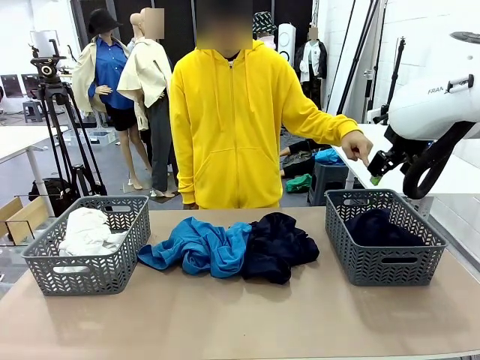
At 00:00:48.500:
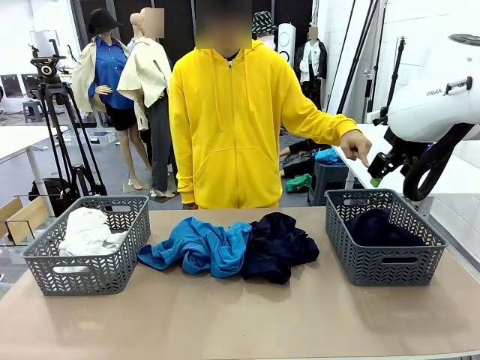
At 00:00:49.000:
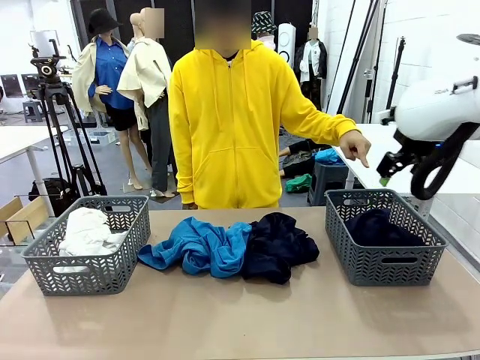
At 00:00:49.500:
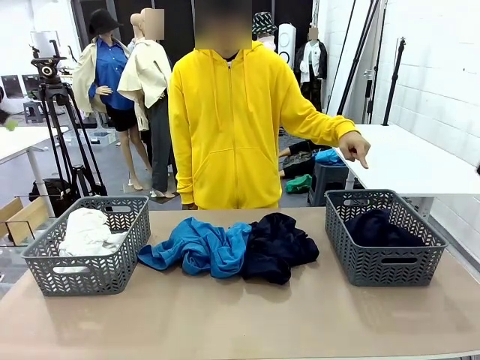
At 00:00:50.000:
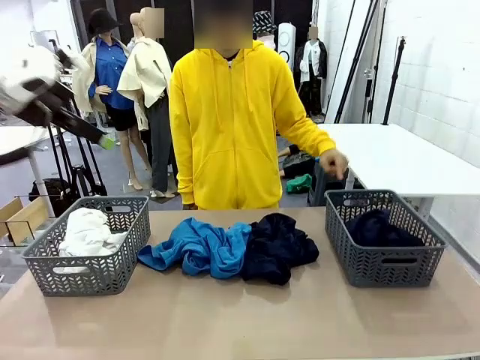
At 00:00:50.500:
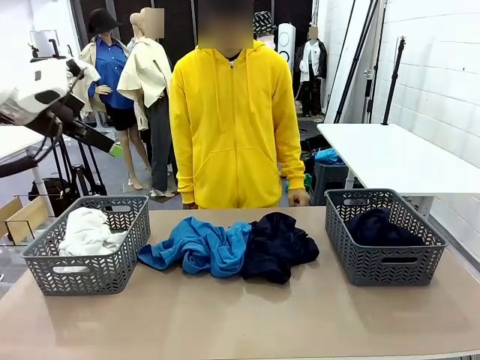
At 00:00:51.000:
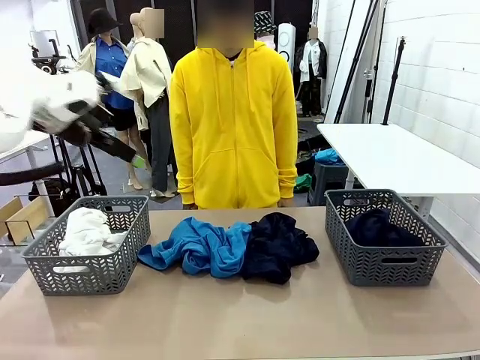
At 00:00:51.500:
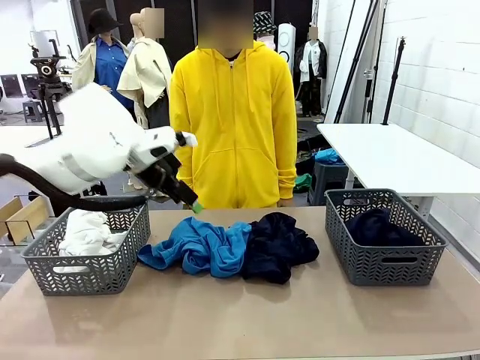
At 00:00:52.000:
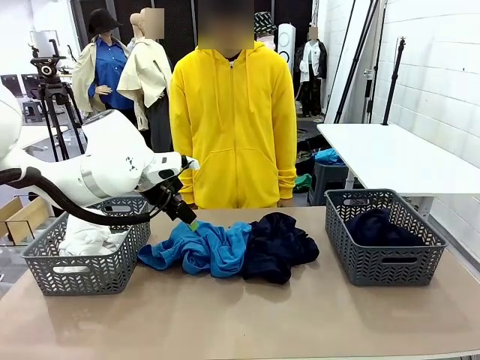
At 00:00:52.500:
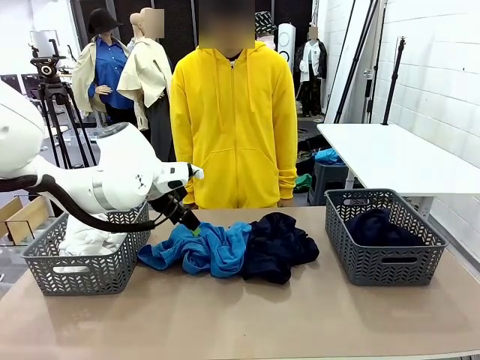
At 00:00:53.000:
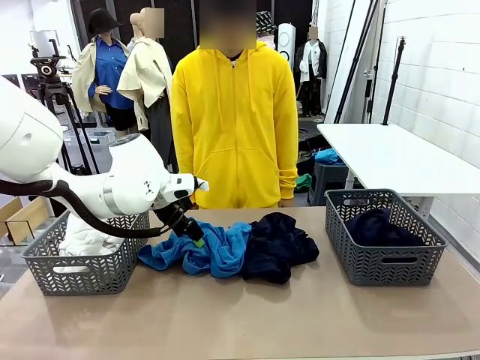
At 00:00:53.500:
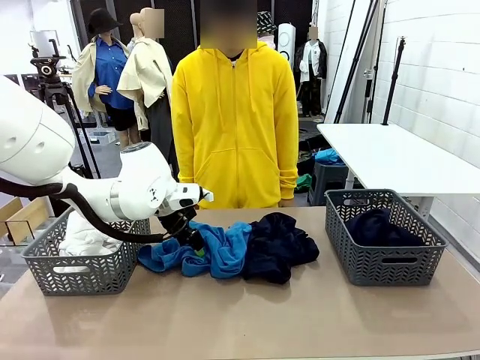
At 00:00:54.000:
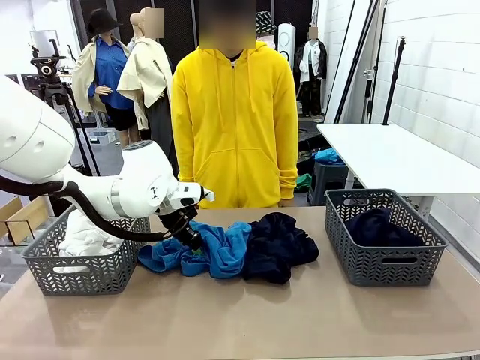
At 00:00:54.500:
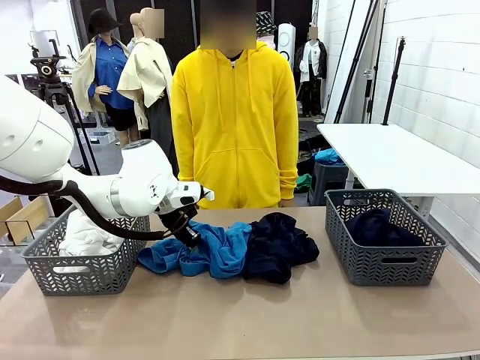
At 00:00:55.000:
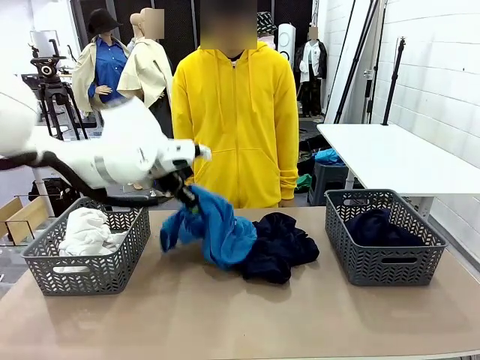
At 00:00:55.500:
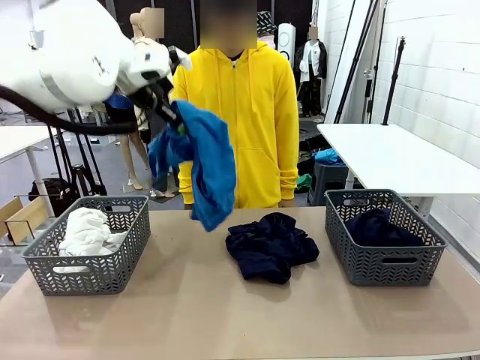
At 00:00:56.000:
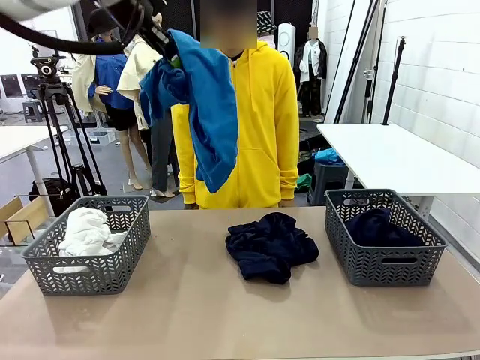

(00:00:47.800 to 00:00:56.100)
Task: Sort the tops and bottoms.
Robot: Lift clothes from the center of the table with your left hand.

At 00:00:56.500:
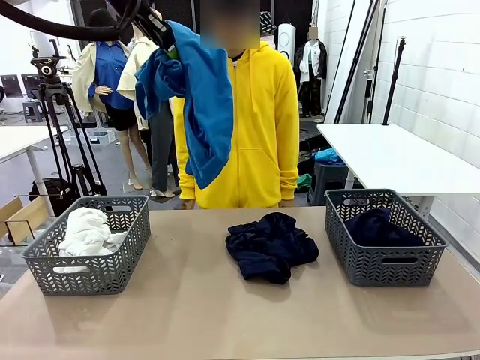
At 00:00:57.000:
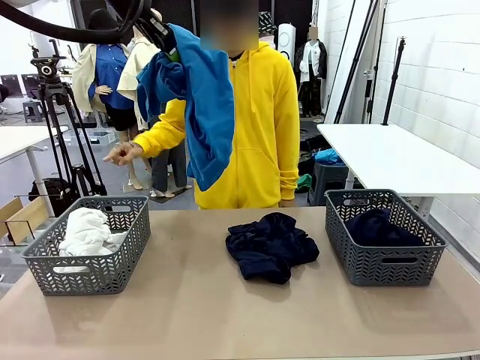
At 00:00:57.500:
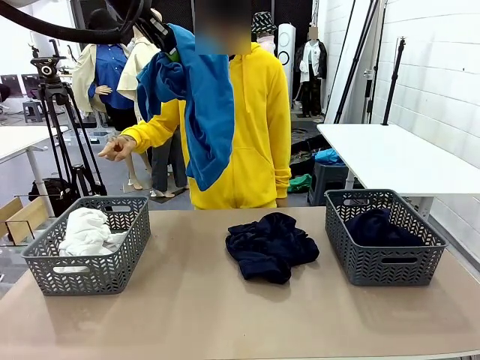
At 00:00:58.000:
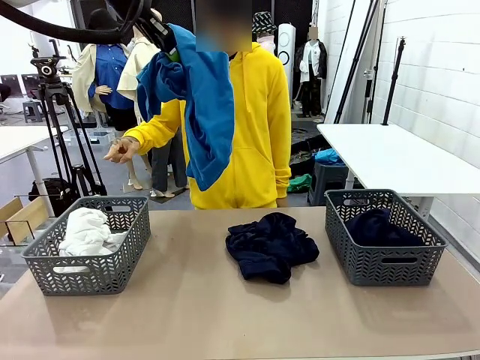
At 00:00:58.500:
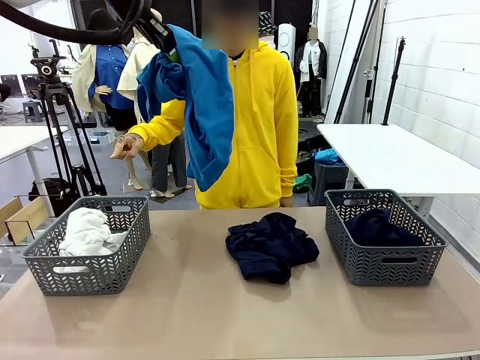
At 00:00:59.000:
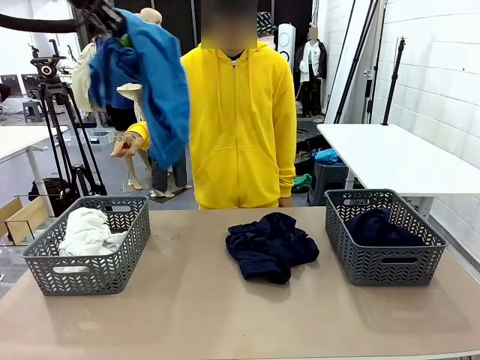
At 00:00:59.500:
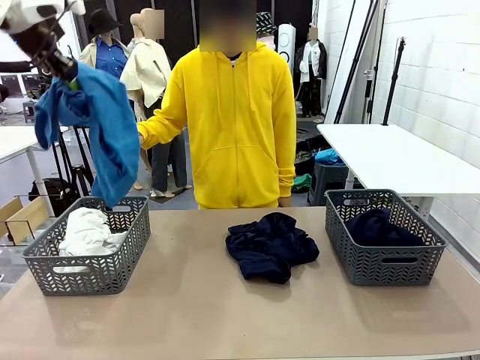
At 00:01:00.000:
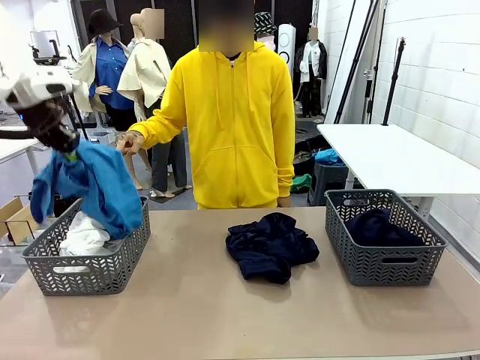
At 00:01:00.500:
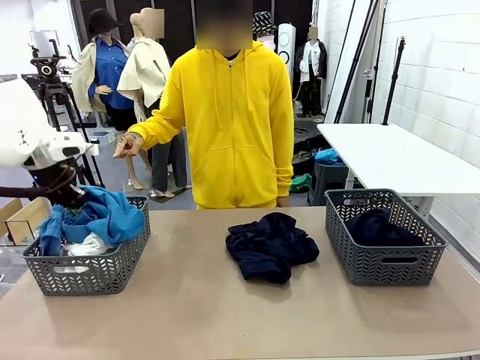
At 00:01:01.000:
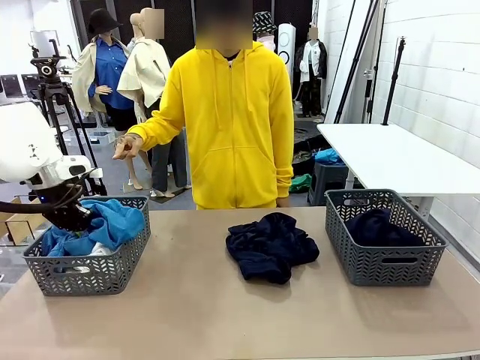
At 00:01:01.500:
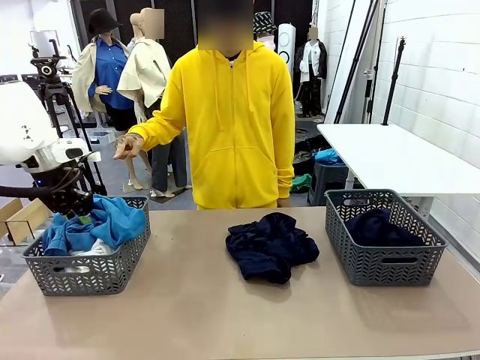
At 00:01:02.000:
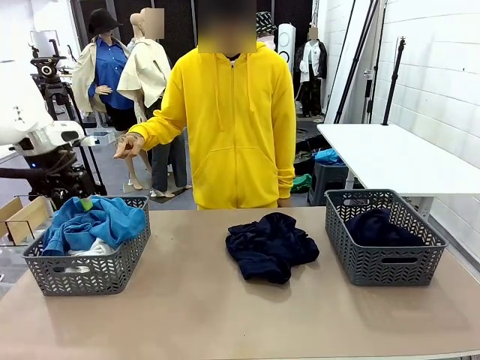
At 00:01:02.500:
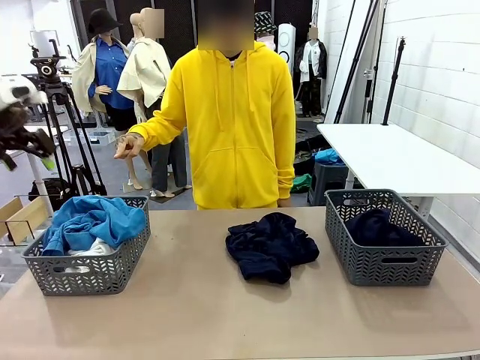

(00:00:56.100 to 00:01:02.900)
Robot: Sort the clothes according to human instructions.

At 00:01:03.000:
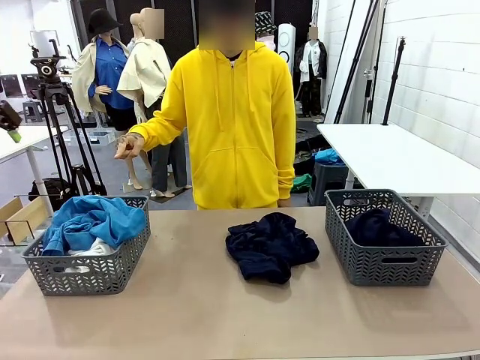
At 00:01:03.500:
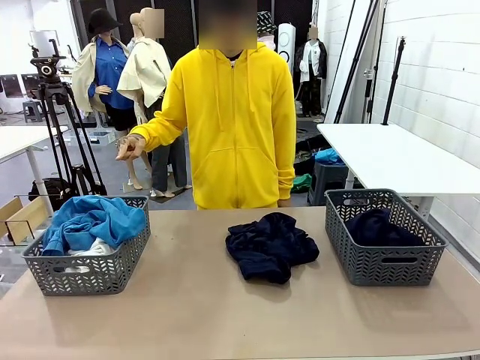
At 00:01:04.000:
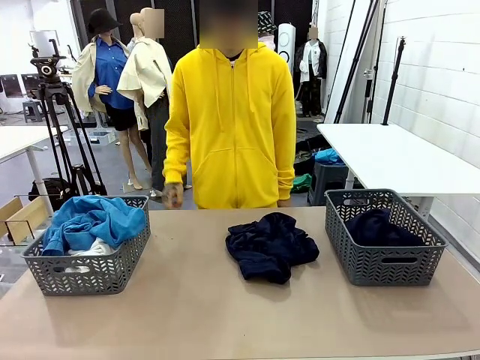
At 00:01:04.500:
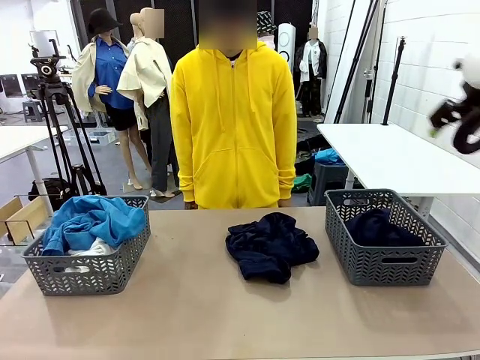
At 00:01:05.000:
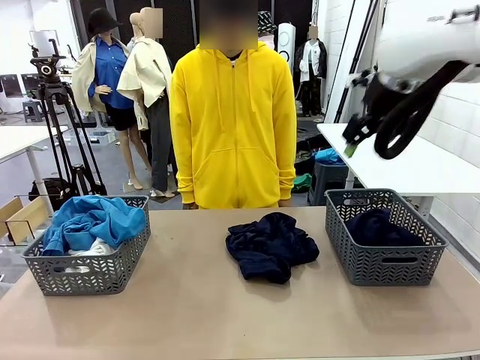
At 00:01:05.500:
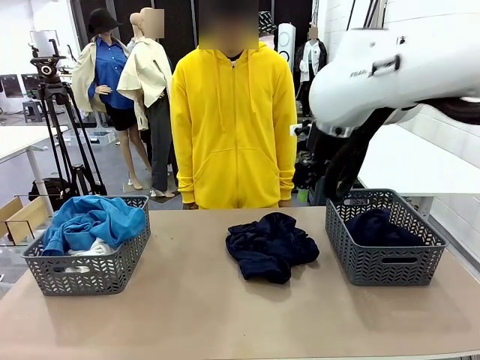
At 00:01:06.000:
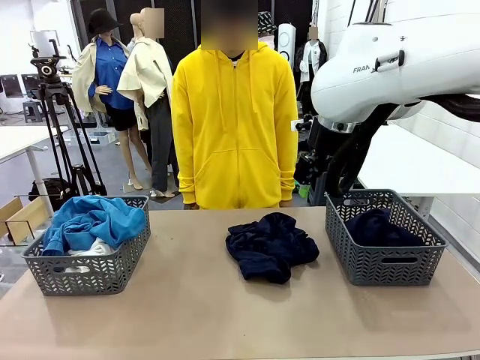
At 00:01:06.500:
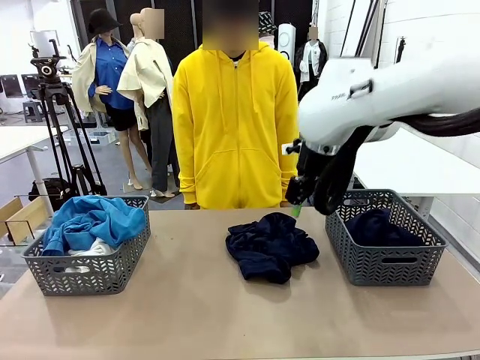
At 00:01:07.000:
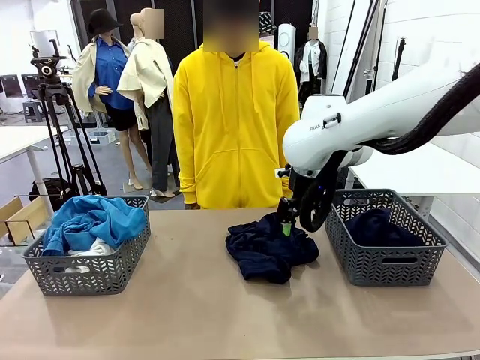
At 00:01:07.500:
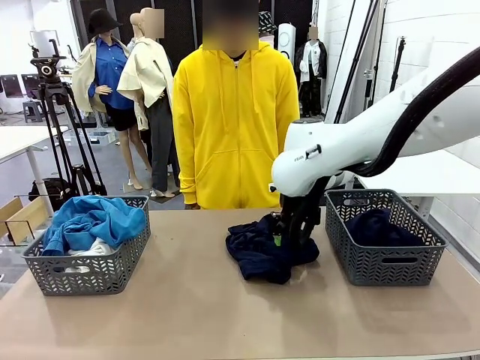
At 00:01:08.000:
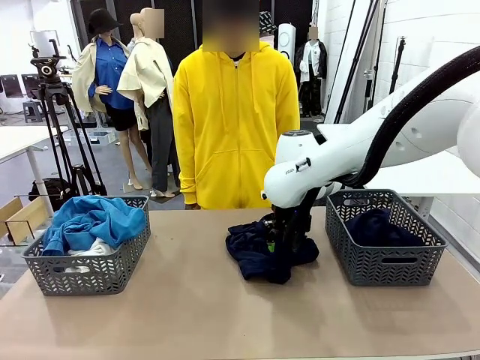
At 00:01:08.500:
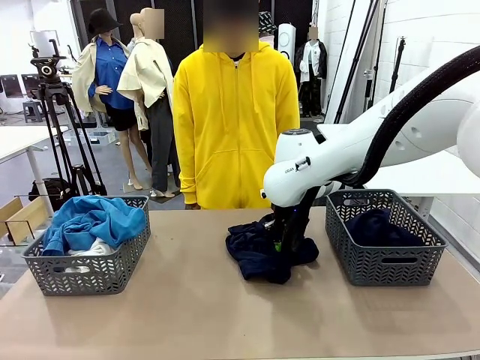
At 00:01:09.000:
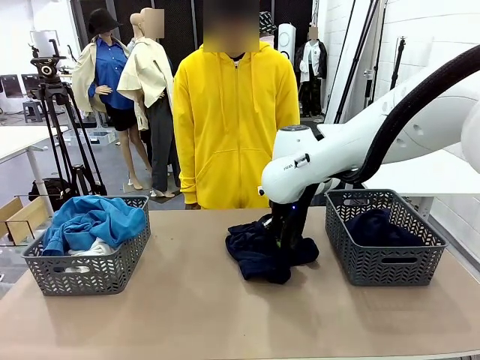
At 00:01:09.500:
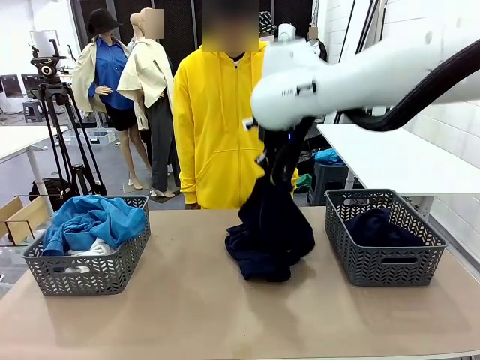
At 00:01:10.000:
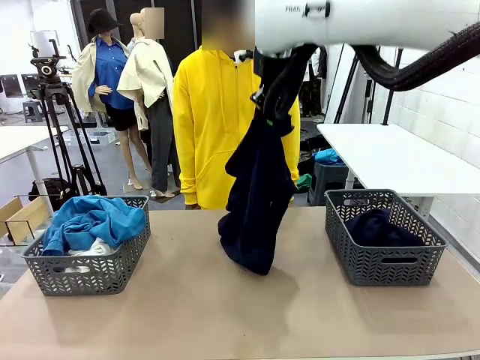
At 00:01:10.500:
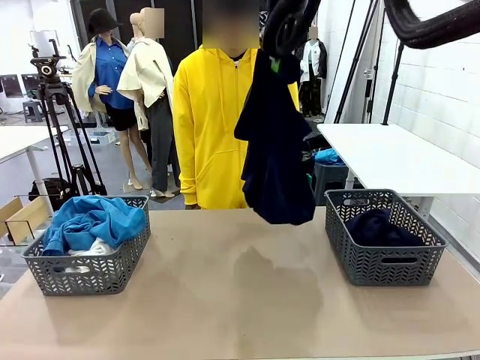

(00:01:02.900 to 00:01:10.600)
Robot: Lift clothes from the center of the table with your right hand.
